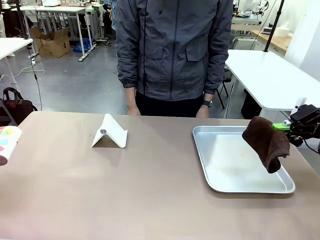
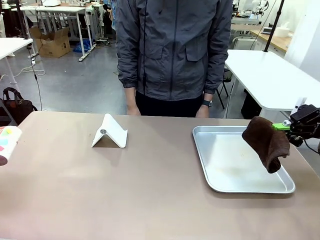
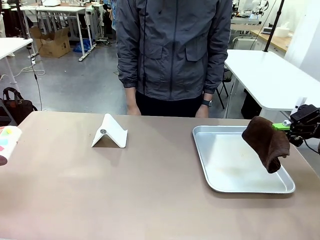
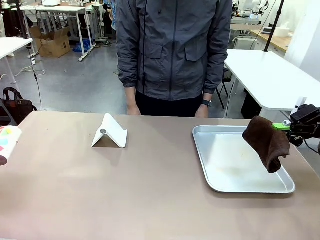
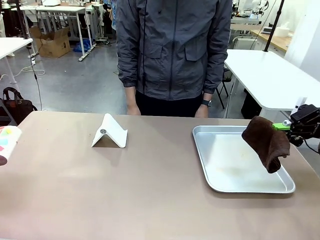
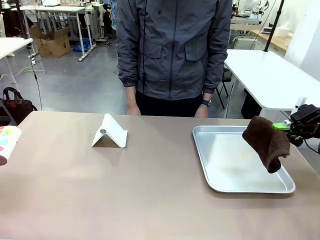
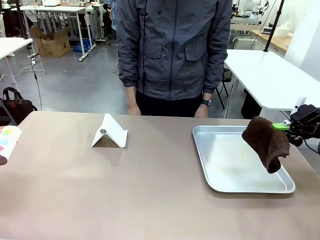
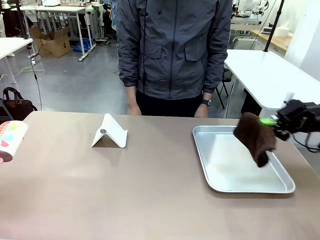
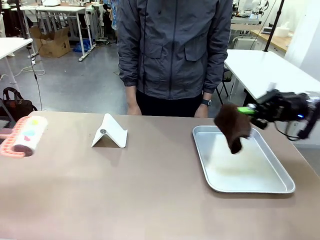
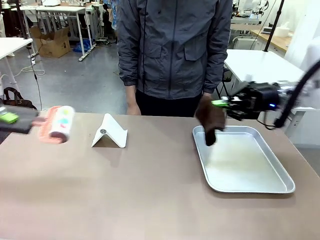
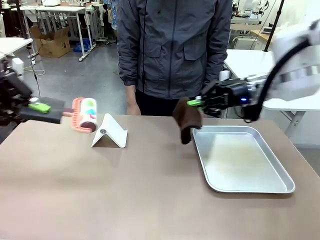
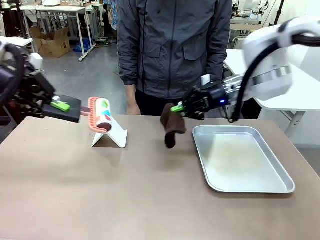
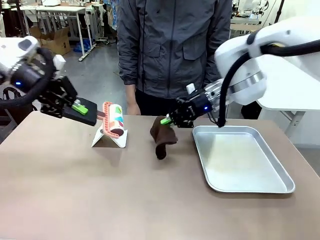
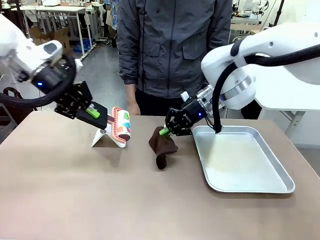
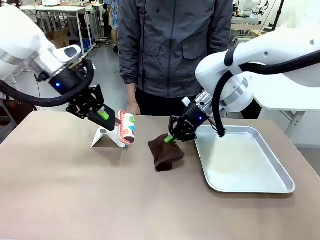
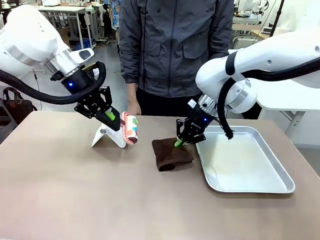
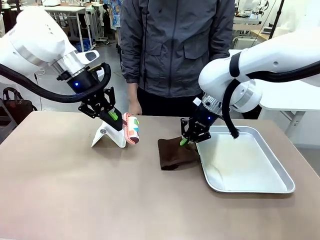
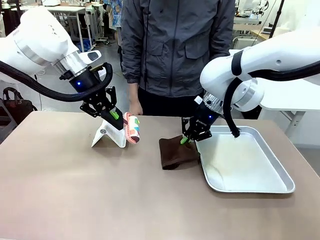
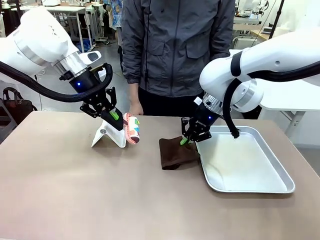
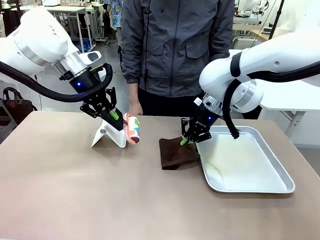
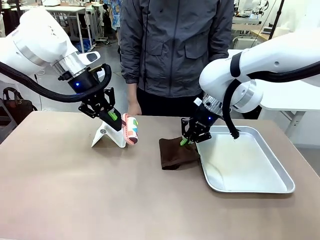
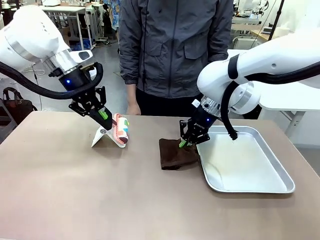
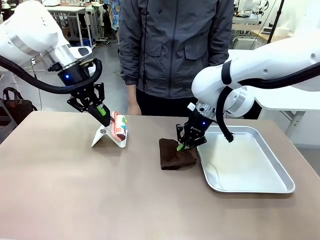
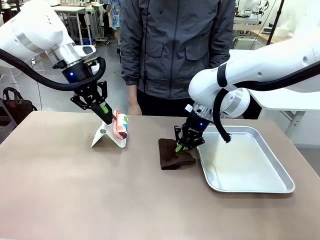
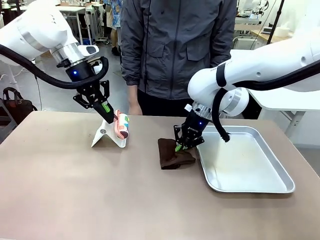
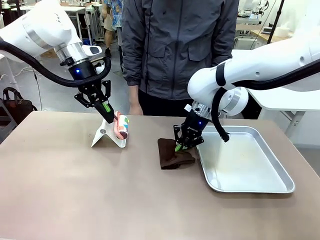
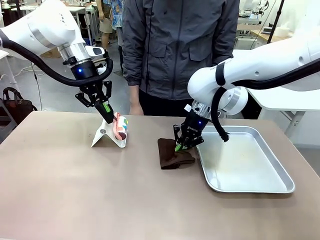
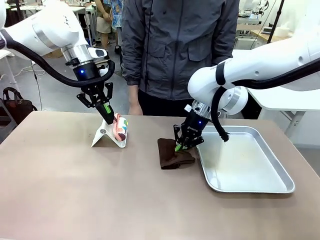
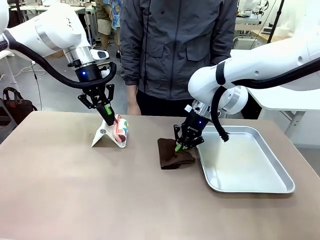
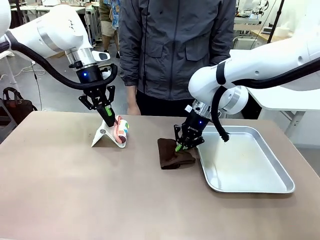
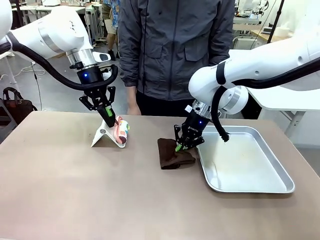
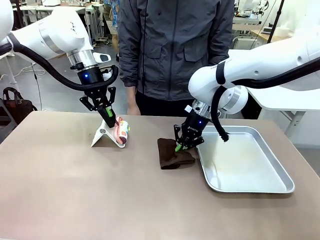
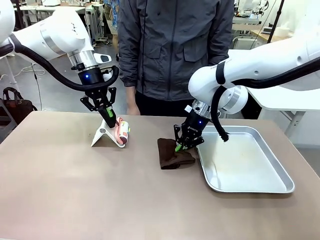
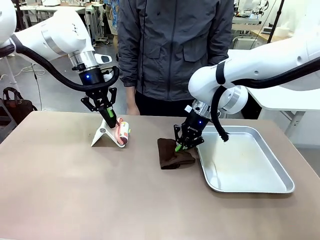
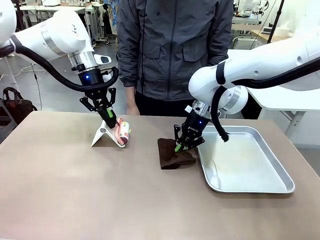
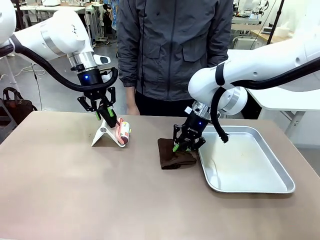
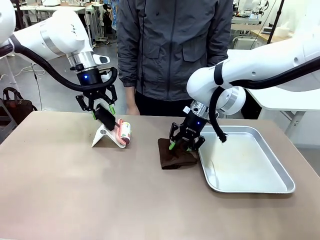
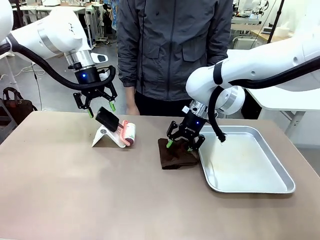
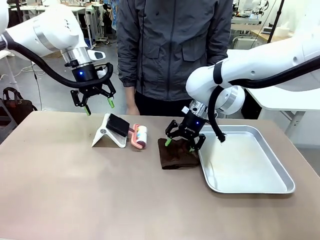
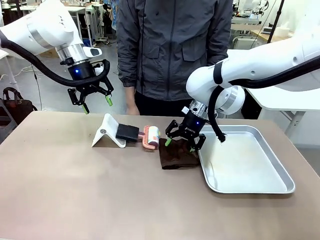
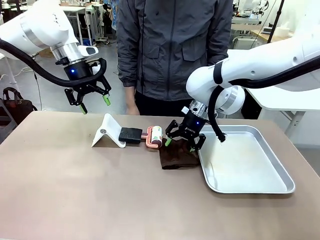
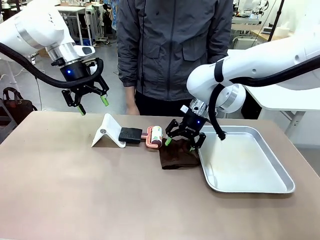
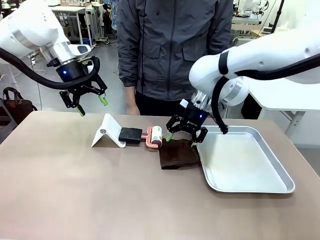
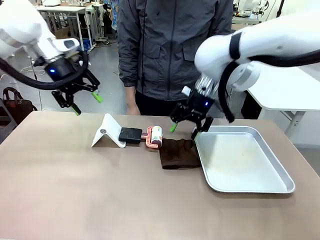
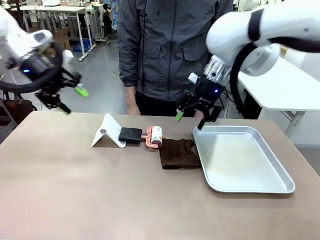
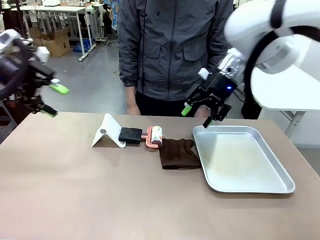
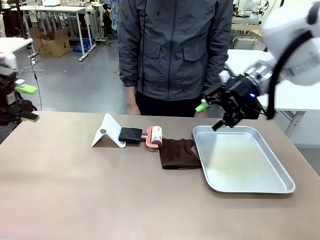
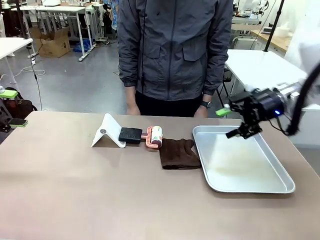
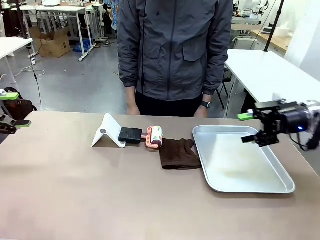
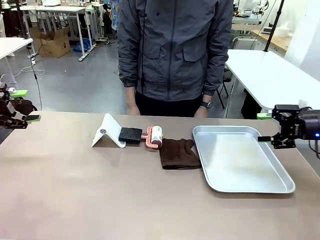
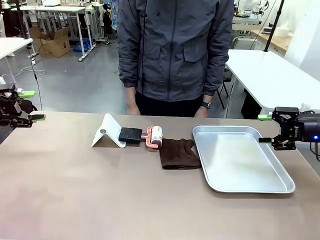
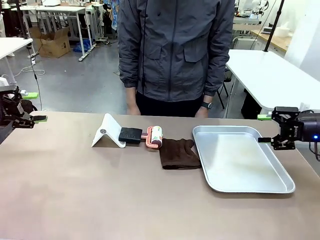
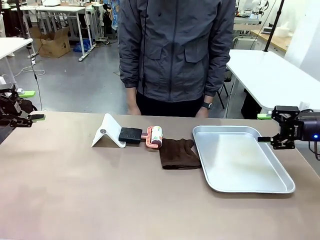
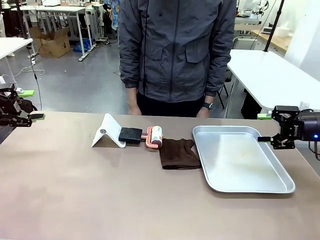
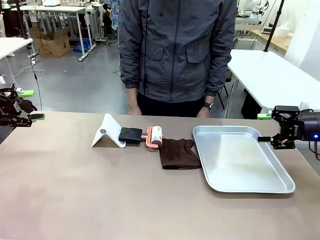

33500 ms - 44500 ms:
Task: Clean the surface of the table.
Robot: Return the Lint Roller and towel to their original positions.

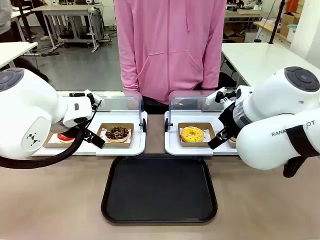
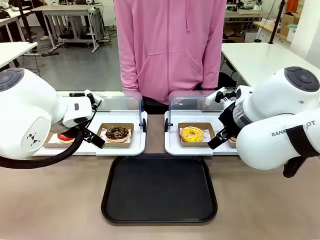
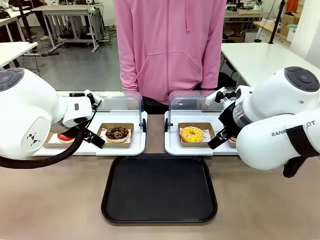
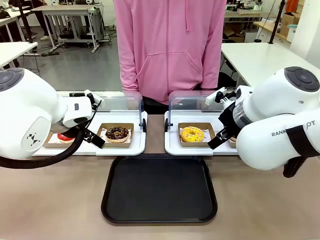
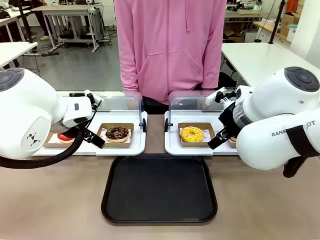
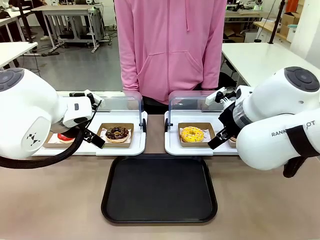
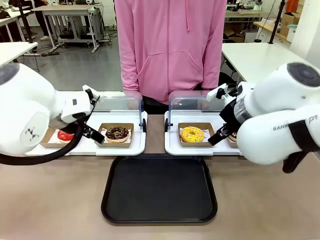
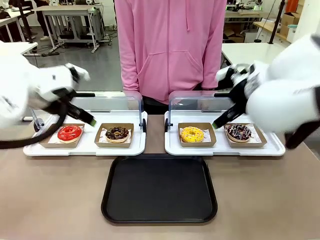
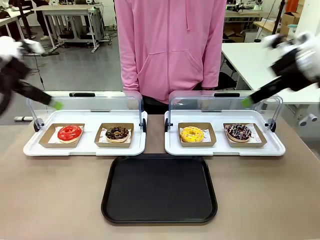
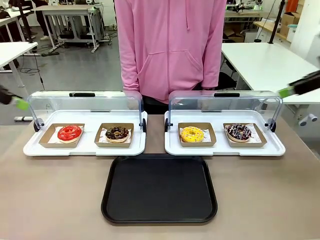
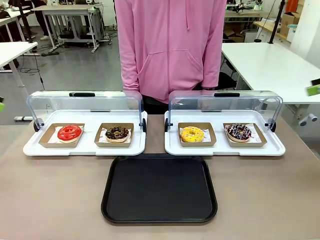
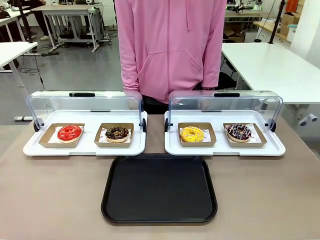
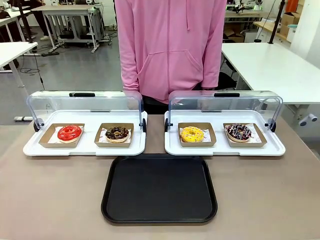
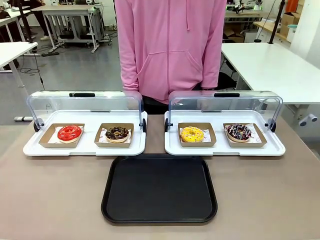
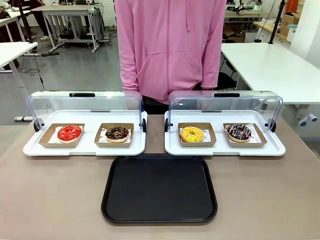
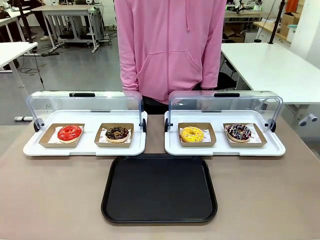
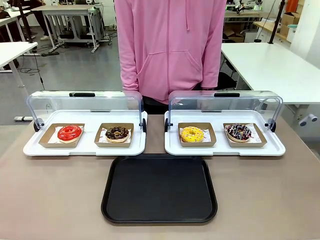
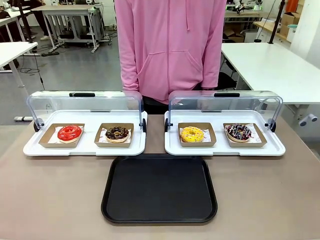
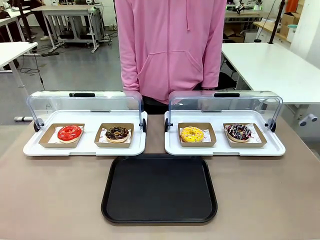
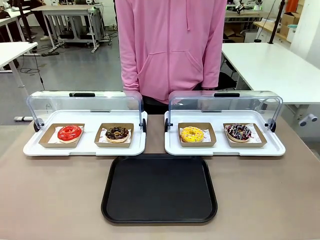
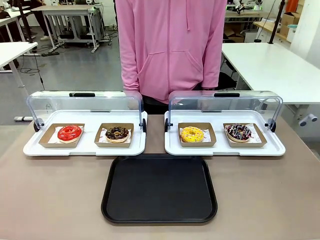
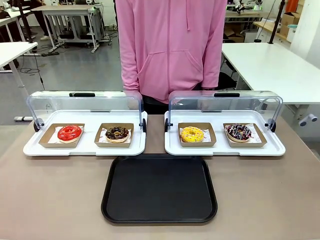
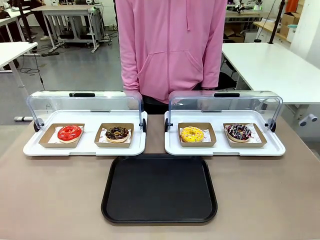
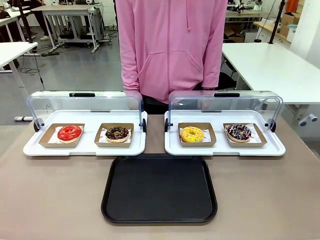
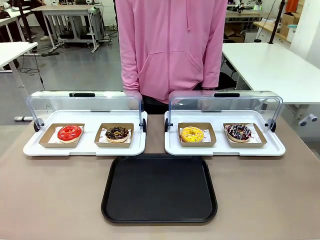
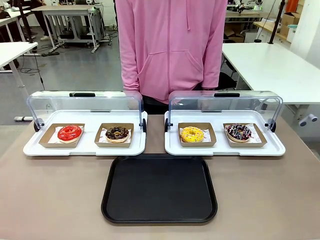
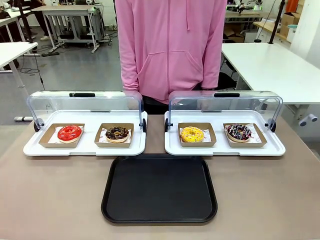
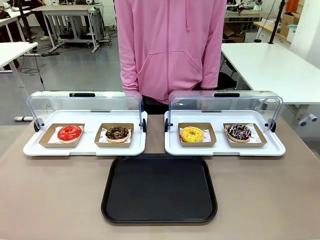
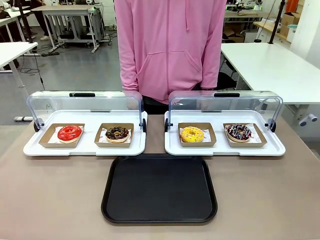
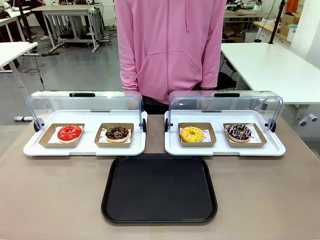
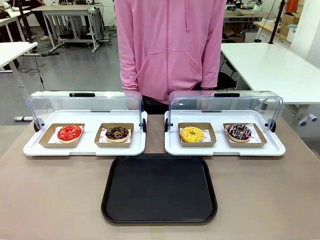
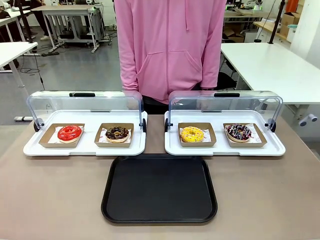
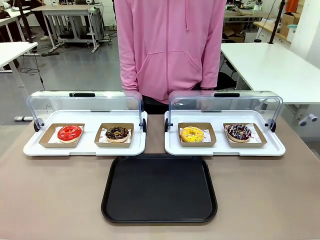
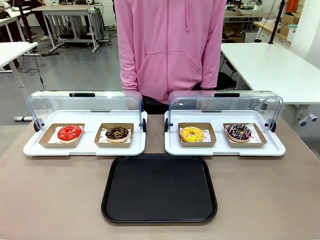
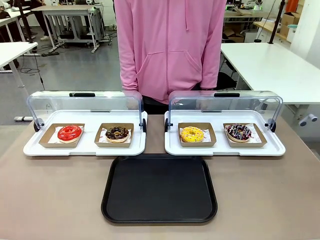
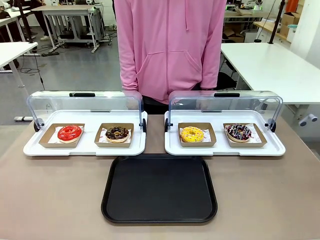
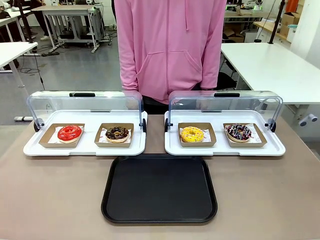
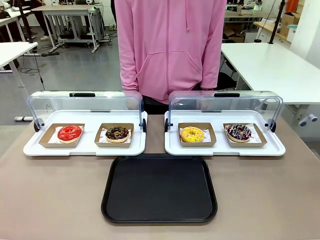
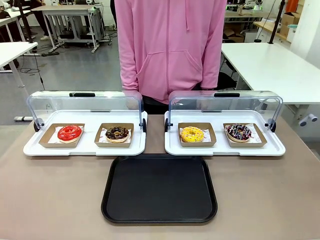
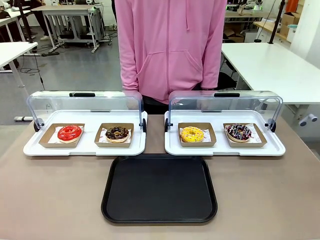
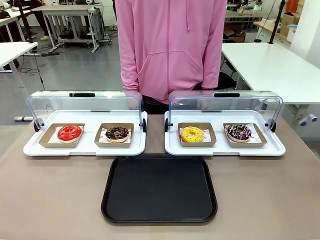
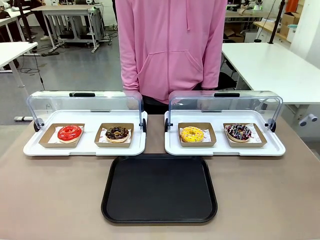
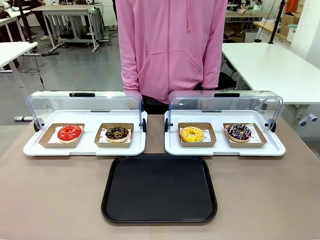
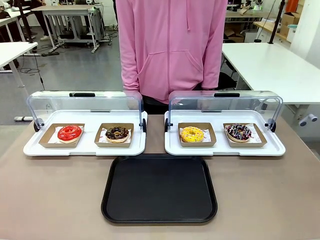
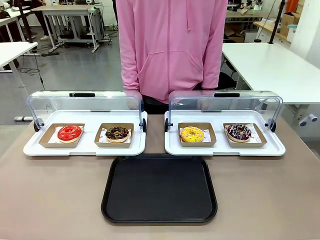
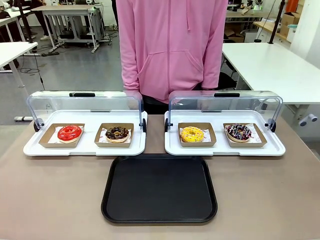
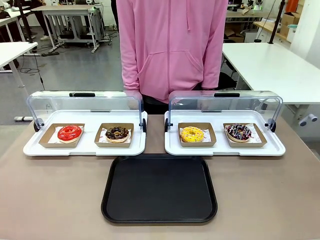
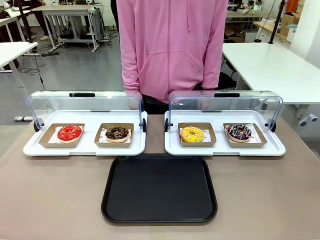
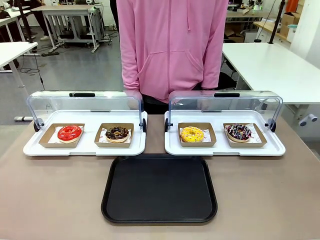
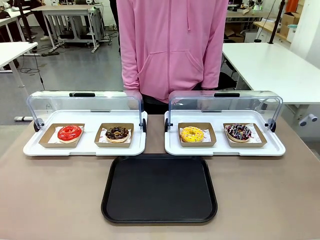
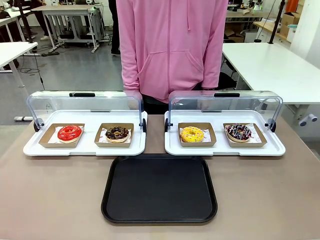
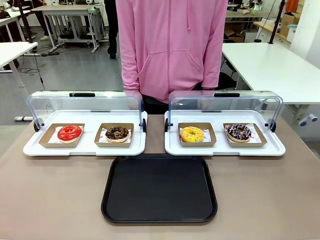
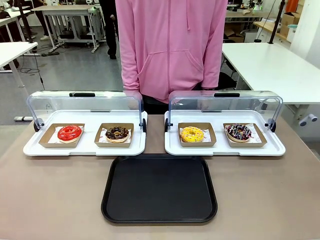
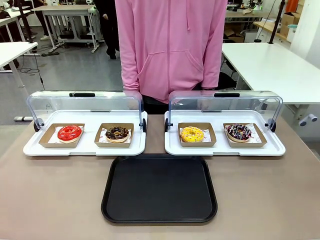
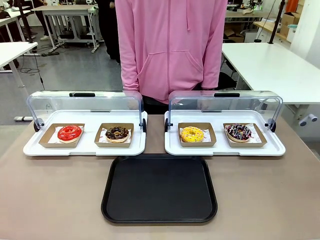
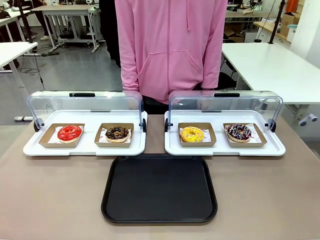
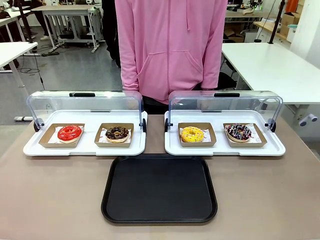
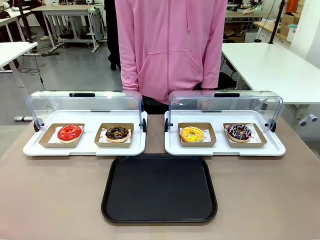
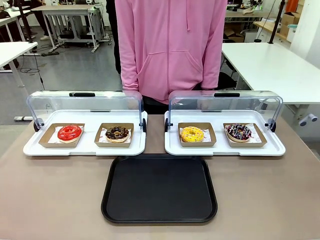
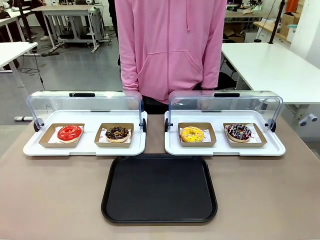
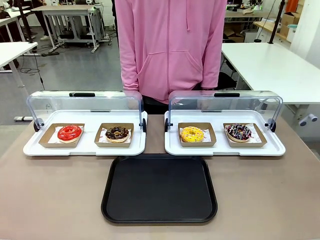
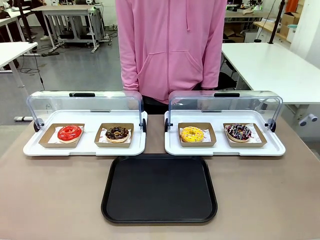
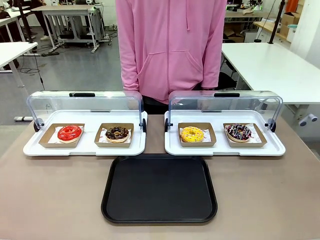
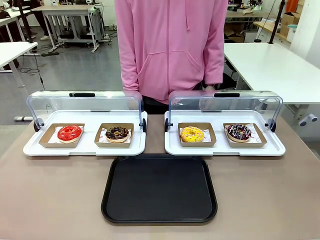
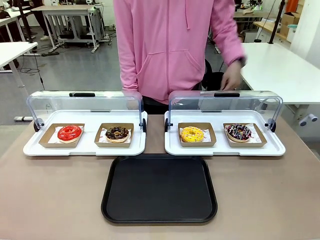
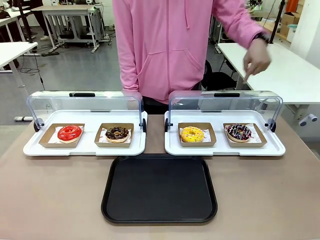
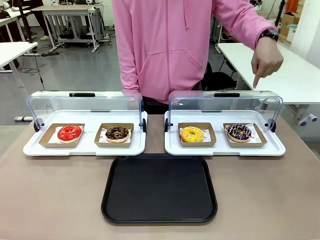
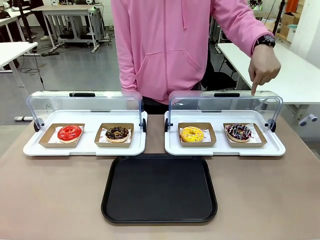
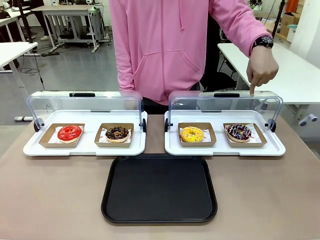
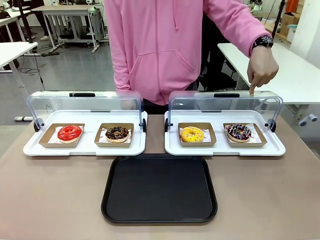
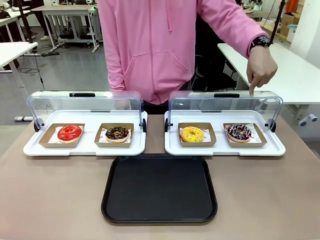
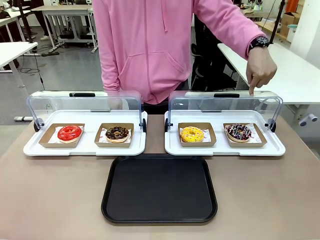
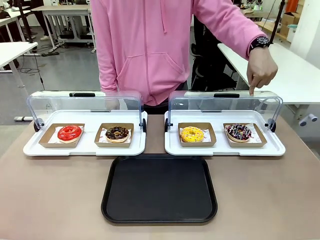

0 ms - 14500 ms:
Task: Move the fourth donut from the left to the tray.
Robot: Pick up the Paper togo box containing the Donut indicated by the person and place it on the Handle tray.
